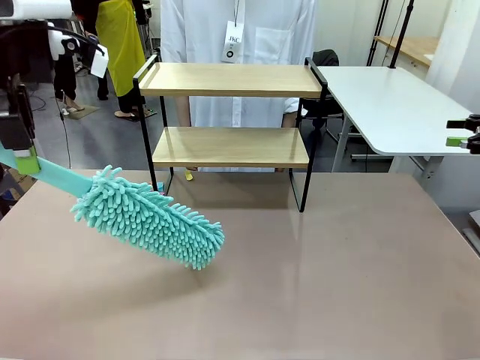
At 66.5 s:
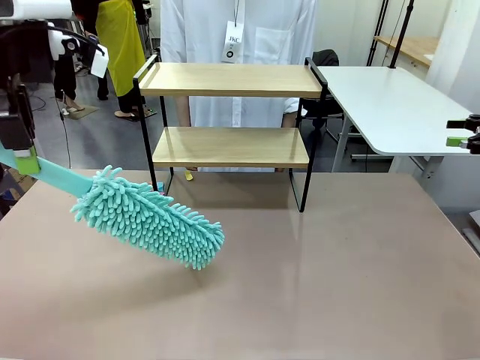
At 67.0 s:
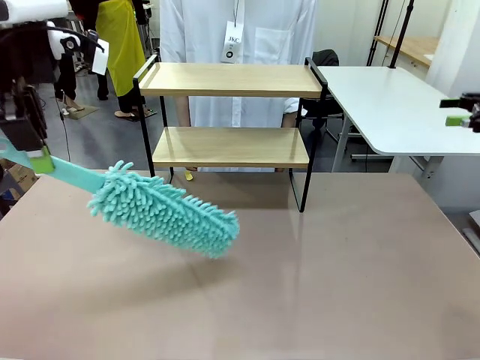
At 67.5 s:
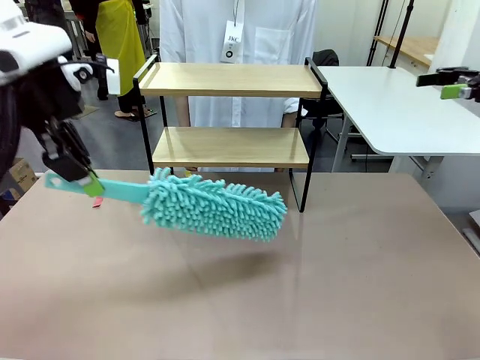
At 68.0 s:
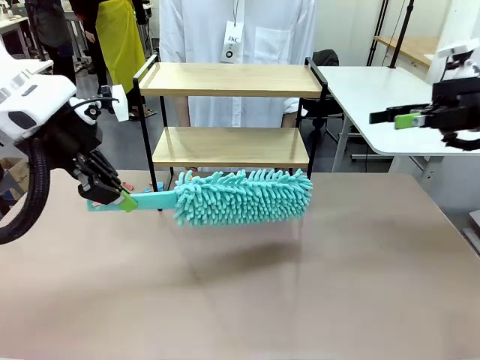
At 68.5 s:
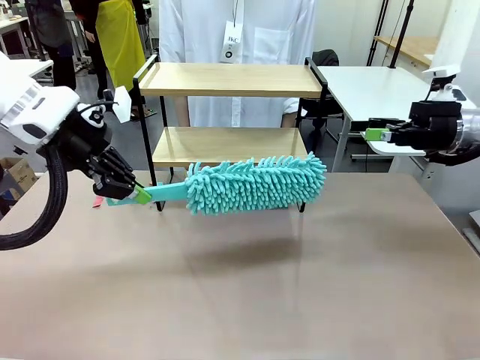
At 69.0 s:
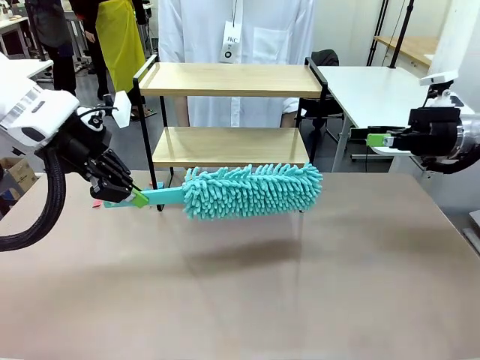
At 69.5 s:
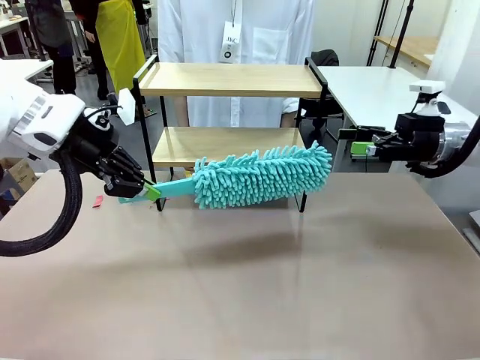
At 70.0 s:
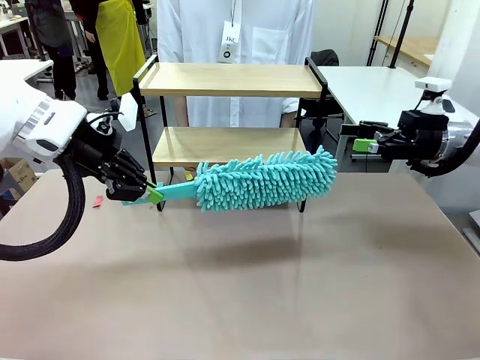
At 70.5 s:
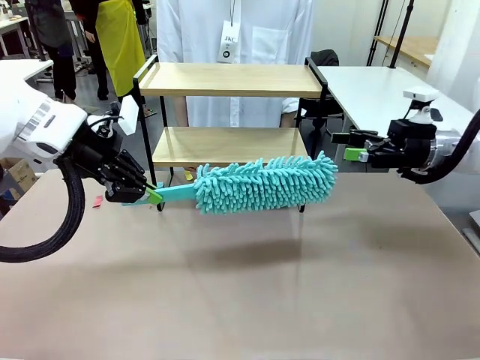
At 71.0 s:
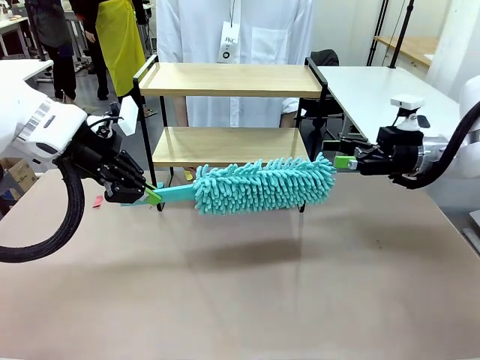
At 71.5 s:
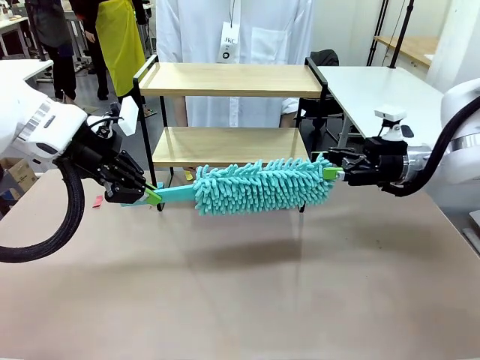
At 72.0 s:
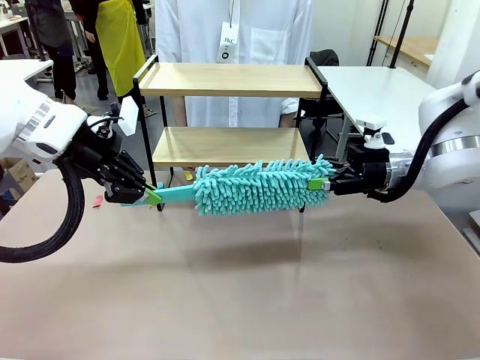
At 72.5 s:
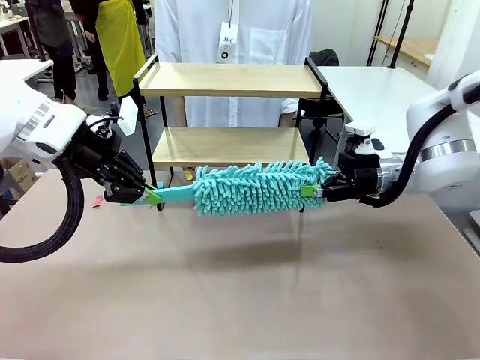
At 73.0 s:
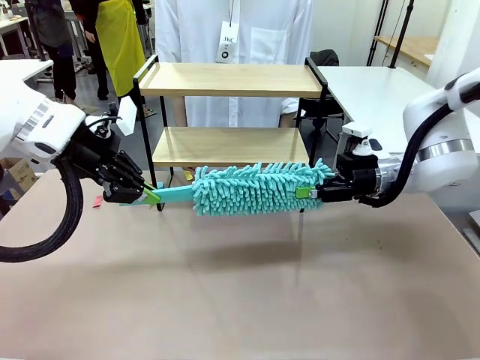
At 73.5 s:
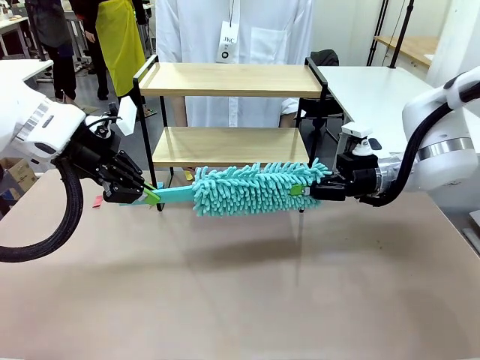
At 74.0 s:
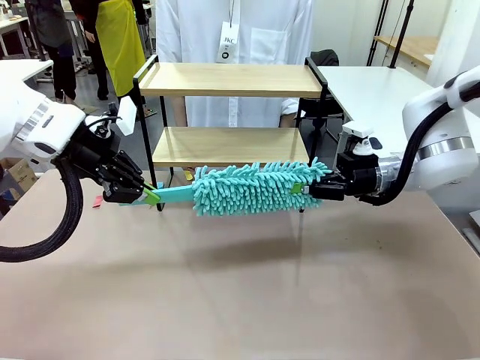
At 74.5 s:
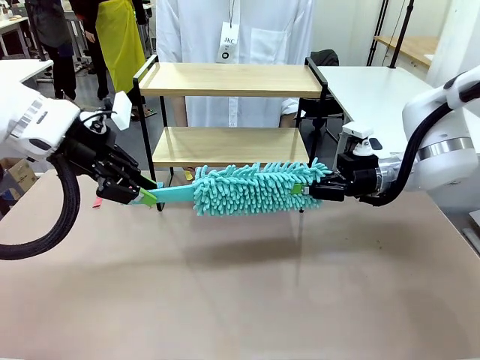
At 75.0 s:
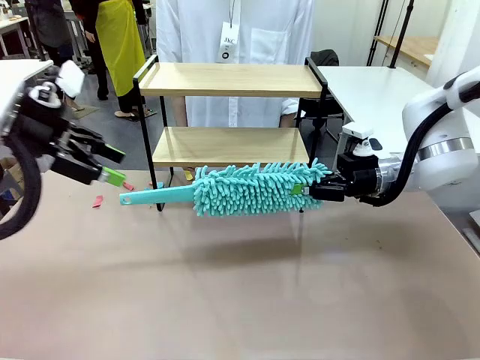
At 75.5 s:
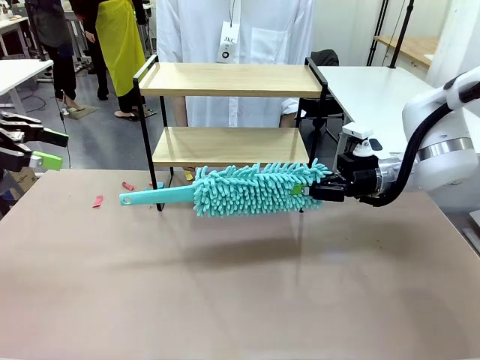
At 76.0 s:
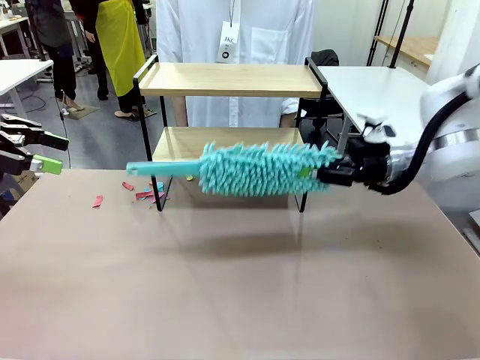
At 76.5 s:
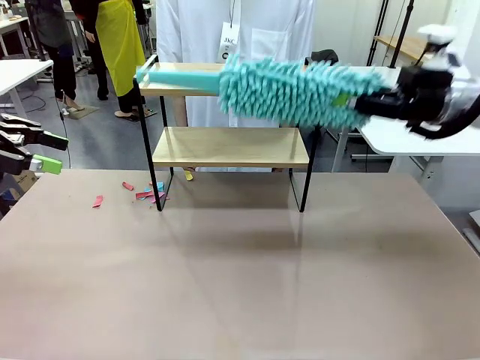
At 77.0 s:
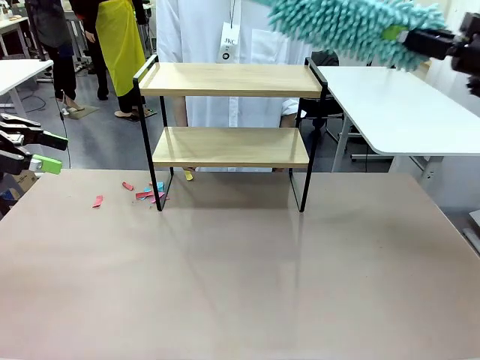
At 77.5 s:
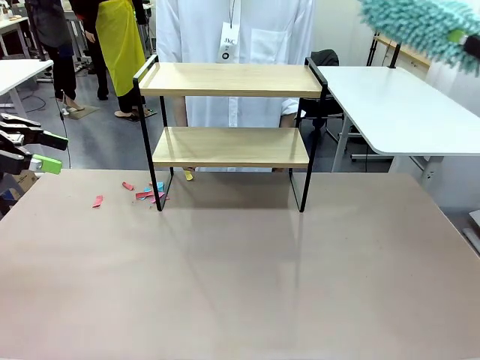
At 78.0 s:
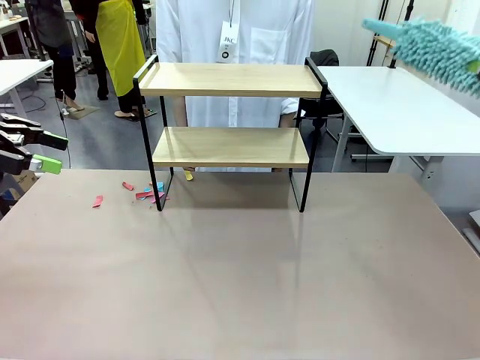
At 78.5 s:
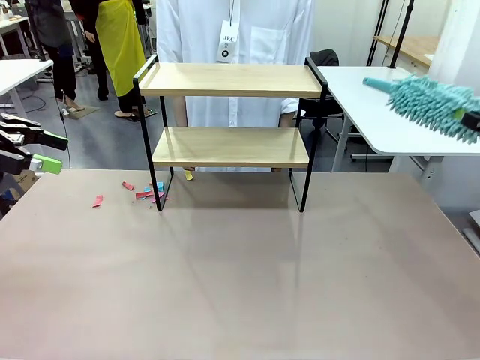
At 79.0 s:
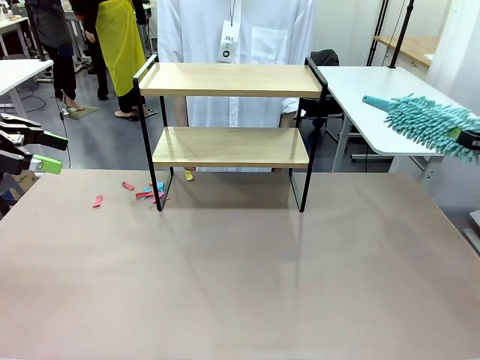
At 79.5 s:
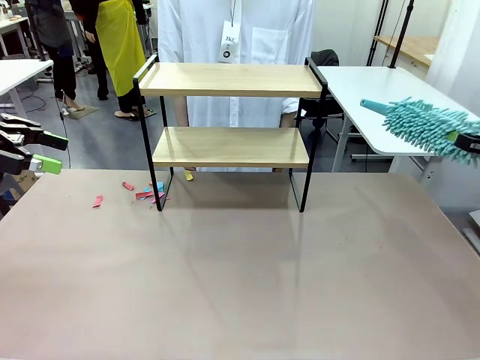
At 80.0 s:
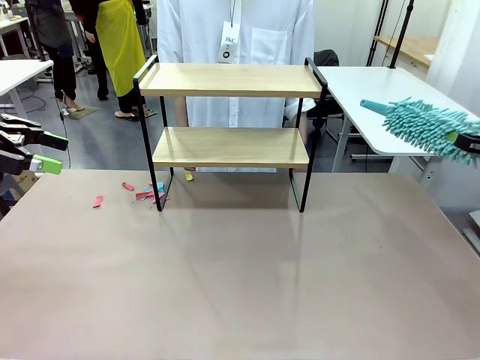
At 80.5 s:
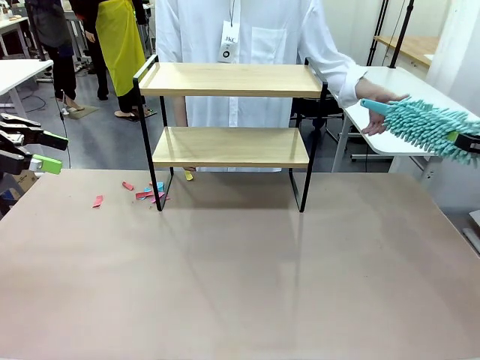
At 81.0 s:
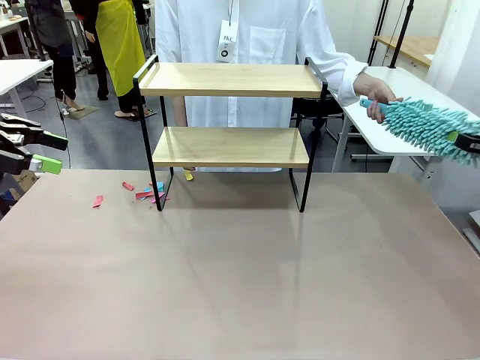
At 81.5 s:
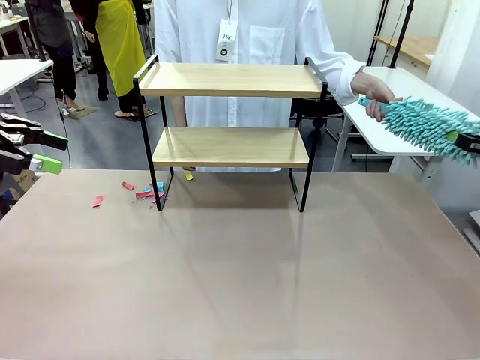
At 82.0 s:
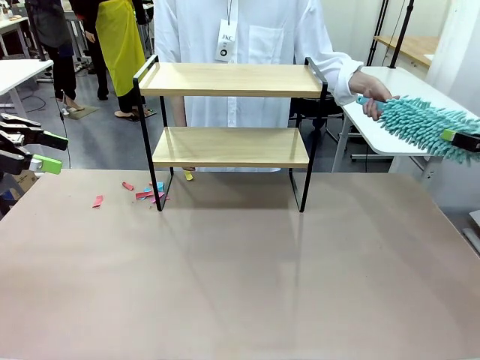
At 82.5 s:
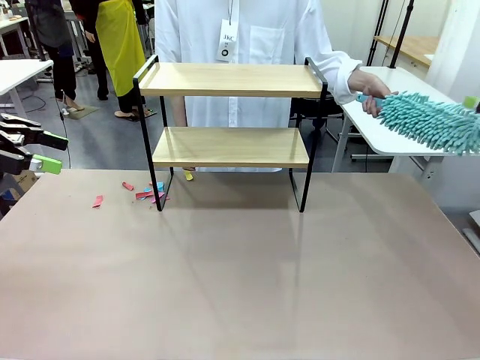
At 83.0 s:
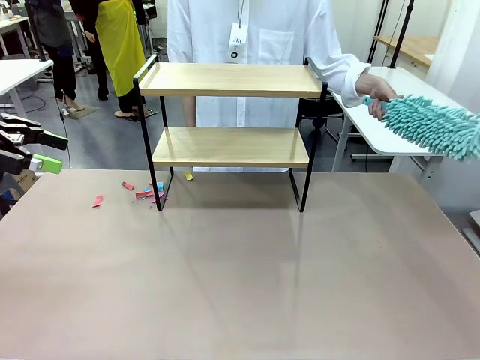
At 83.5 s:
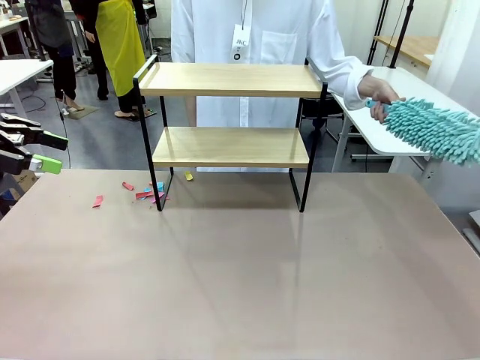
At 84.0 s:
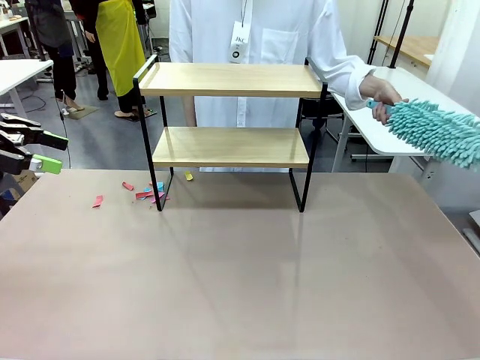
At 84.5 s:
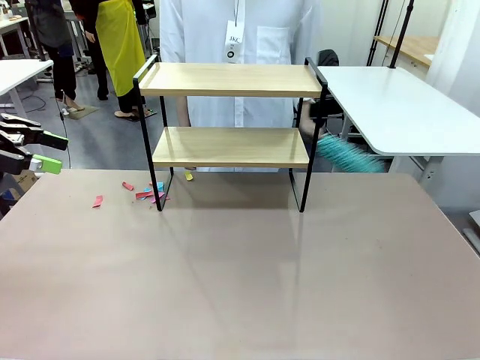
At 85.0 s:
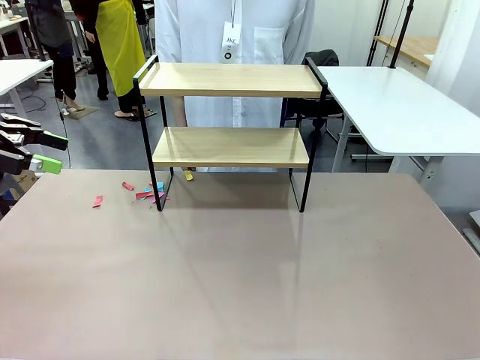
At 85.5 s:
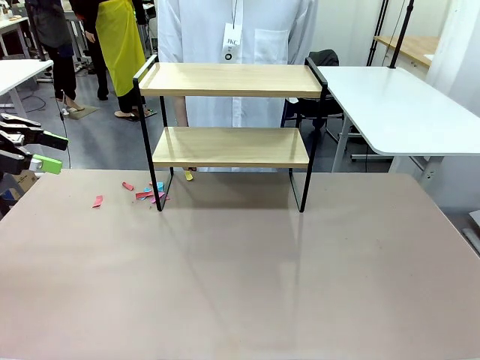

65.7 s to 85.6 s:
Task: Clean the shelf.
Robot: Hand the Duster back to the human.
Person: Receive the Duster from the robot.
